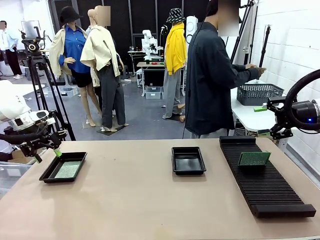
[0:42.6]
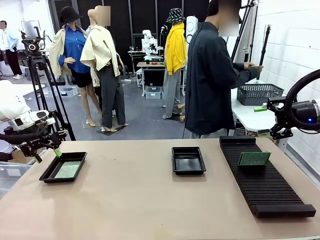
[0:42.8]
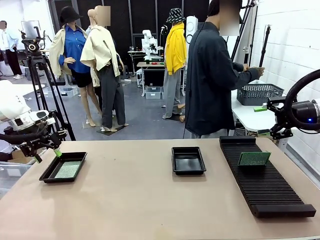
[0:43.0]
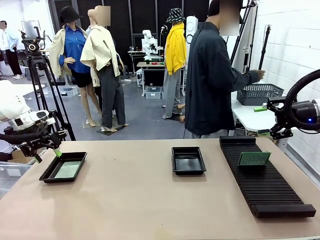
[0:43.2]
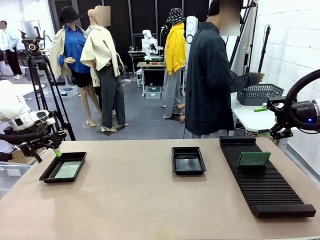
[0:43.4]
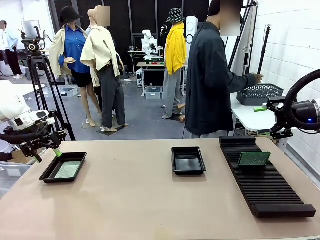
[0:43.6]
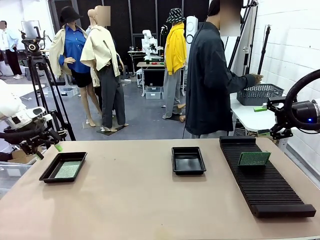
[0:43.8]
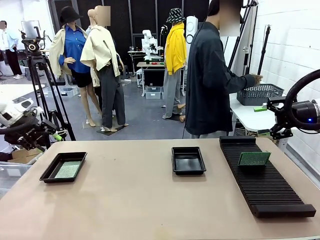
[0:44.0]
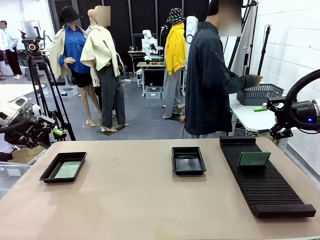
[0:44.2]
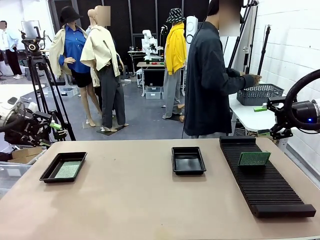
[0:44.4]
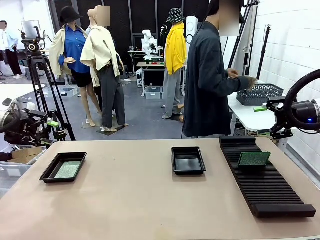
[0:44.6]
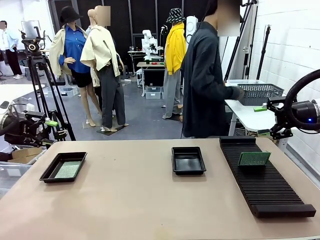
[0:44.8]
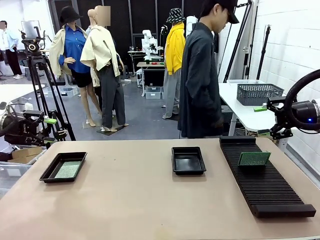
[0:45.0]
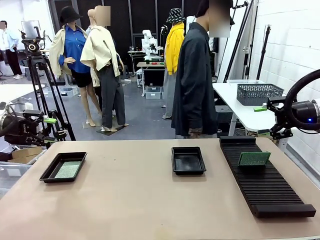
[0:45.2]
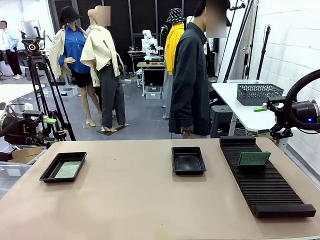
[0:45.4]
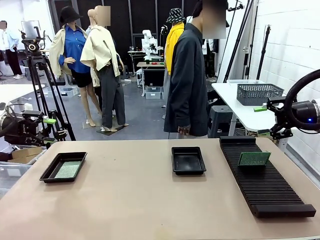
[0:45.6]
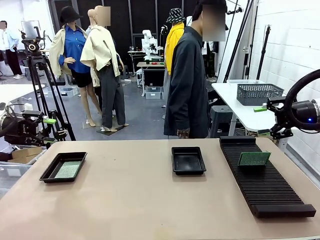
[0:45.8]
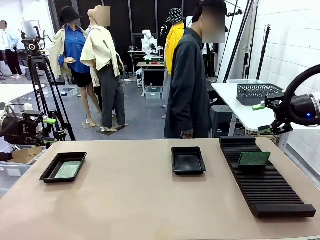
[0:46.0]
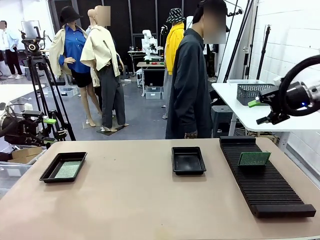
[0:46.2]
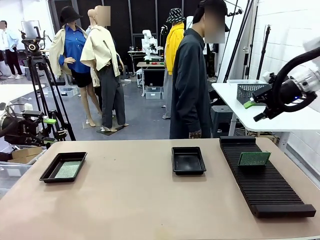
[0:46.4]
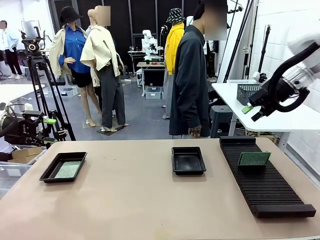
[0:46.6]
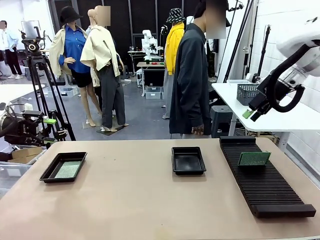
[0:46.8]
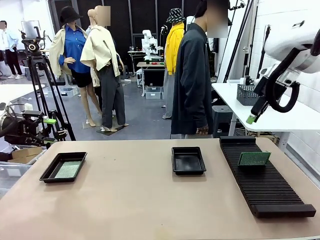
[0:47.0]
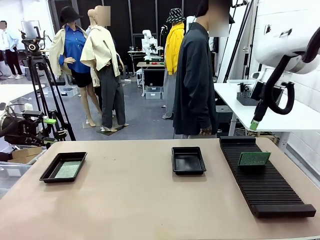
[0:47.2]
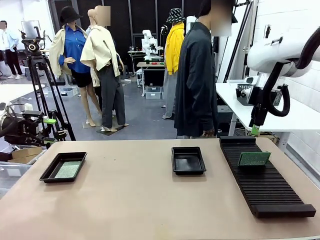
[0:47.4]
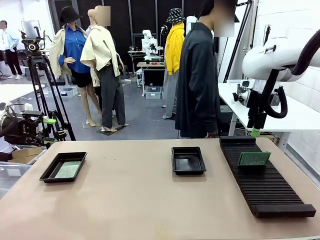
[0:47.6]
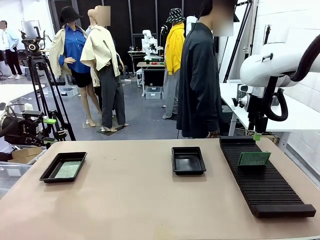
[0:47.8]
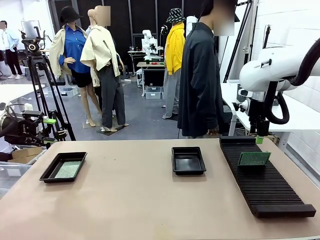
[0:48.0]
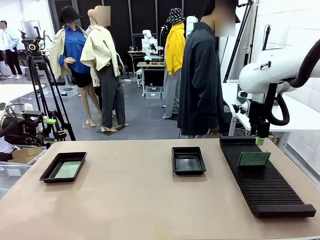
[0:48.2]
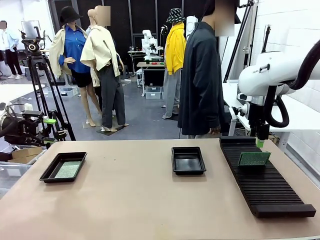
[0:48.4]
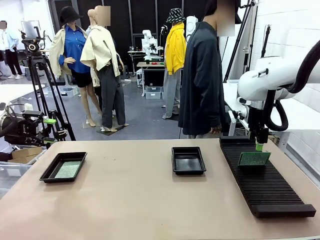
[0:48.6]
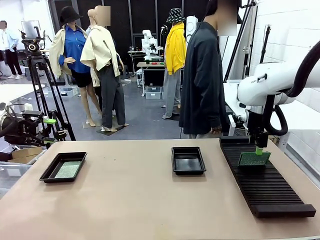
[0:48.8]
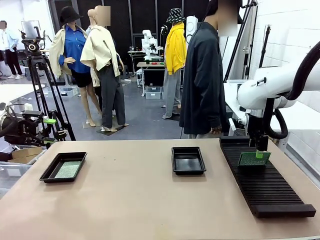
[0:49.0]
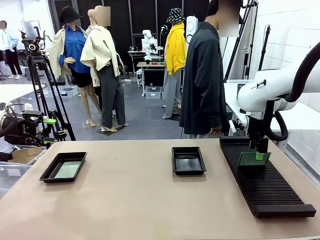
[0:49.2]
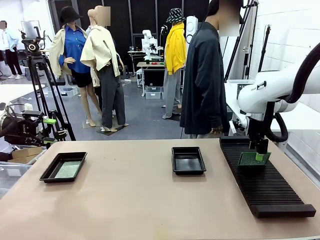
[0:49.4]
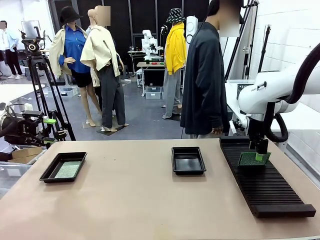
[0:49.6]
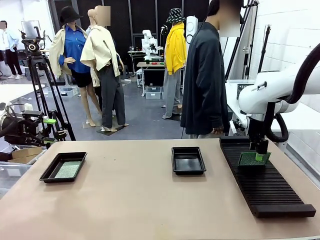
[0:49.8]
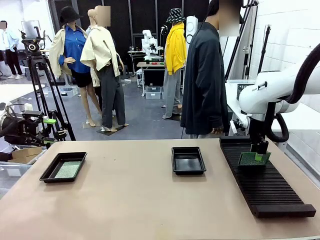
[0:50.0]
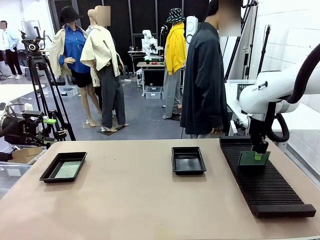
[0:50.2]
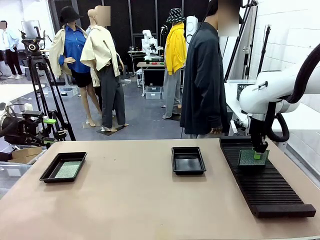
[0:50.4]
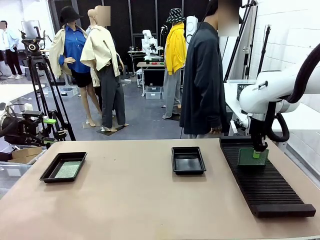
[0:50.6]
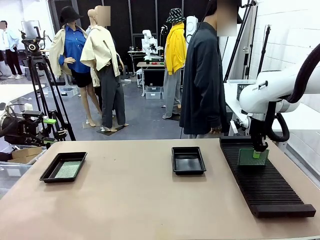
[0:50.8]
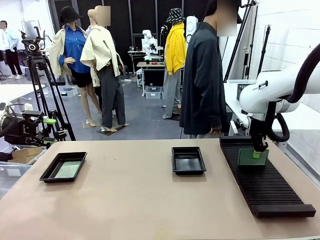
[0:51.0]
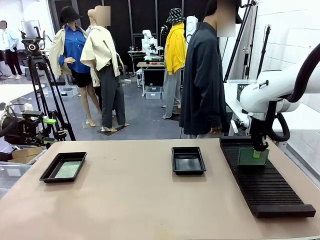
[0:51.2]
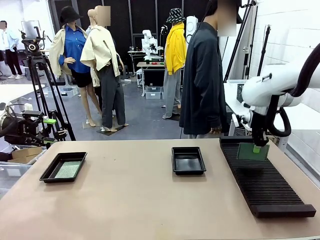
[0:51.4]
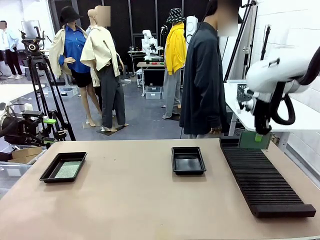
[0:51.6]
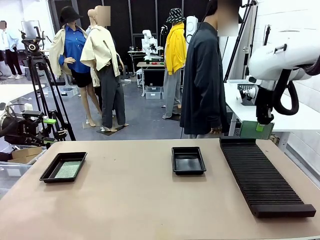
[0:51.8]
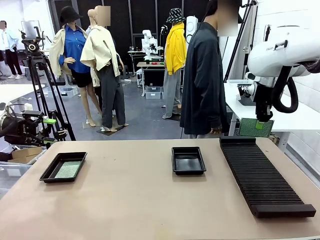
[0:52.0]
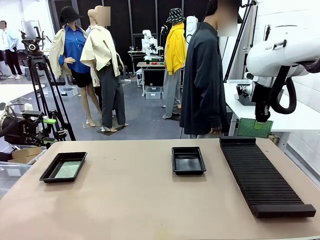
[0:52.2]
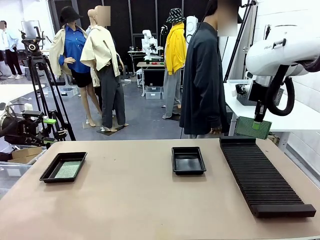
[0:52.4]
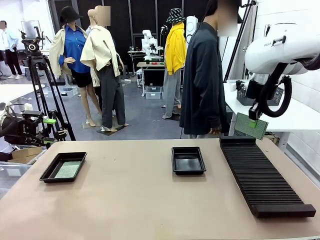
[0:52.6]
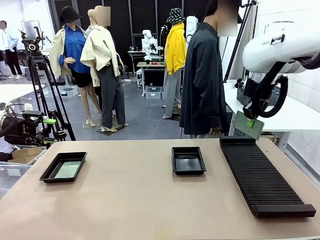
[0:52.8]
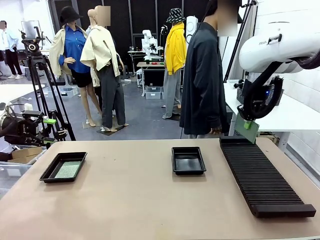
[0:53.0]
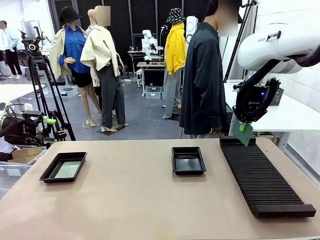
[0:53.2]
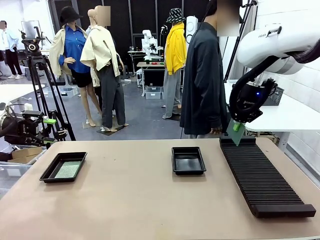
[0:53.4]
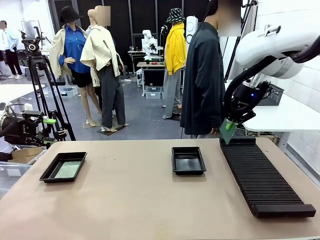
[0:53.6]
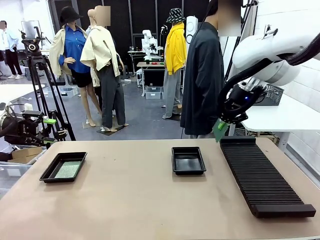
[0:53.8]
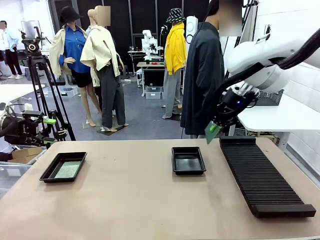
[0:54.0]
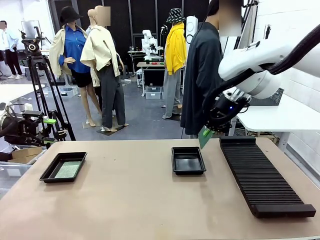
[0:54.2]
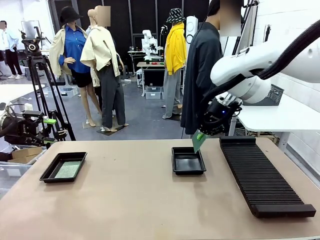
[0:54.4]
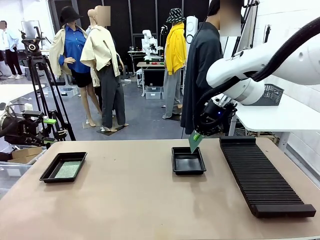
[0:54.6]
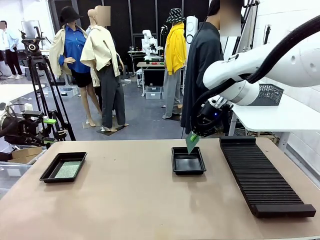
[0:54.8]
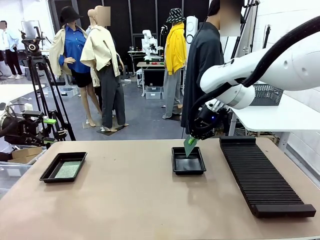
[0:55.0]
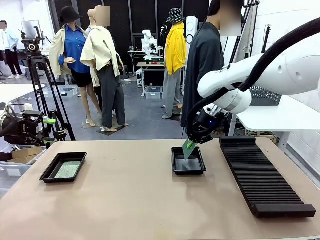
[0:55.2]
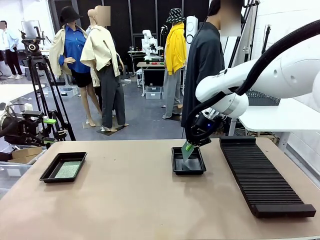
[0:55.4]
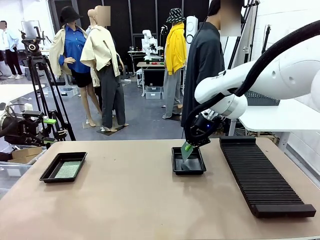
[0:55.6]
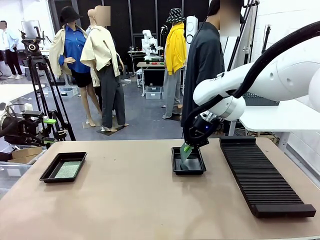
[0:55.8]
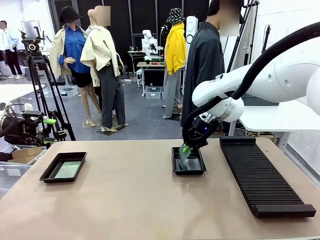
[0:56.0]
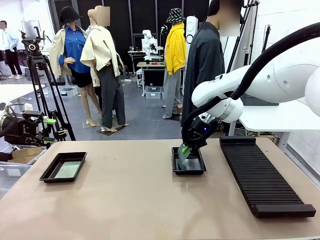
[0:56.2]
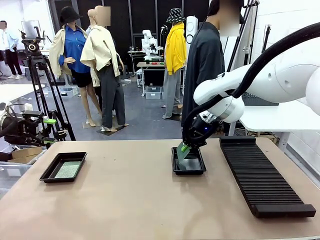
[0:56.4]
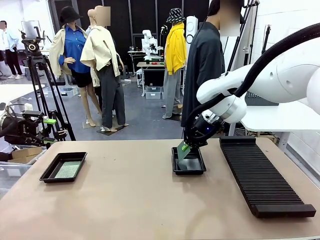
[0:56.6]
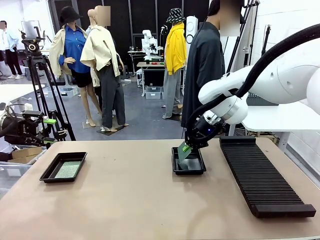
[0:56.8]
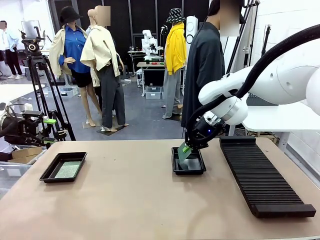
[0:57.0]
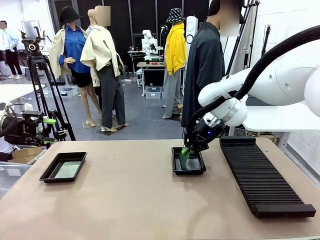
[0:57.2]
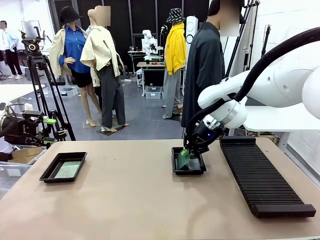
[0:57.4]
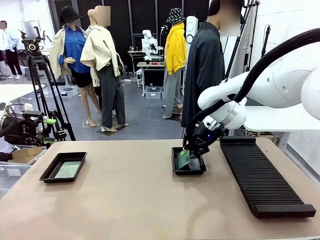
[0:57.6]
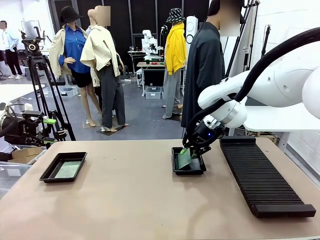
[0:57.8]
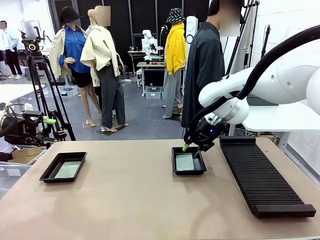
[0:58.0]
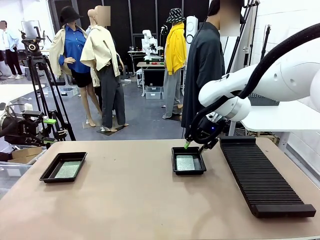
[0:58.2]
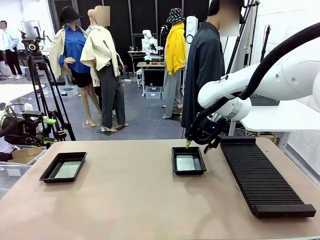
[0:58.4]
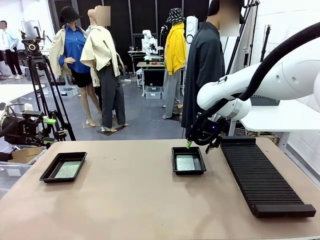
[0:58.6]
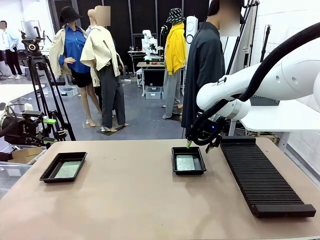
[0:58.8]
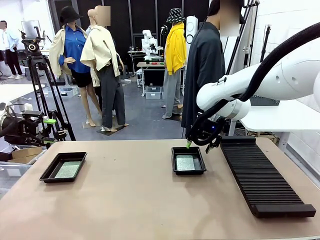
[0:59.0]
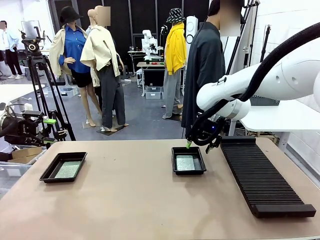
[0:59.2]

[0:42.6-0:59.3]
Task: Inspect and transfer BCBs to ESD trays.
Robot: Pick up the Blank PCB from the PCB Rack and place it in the right ESD tray.

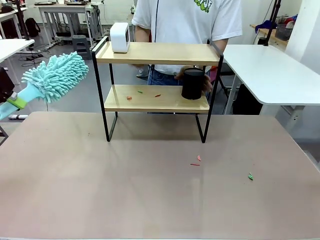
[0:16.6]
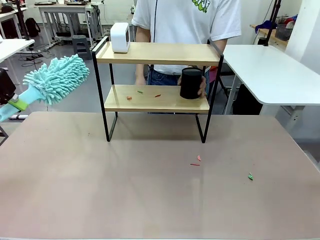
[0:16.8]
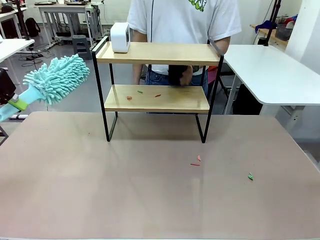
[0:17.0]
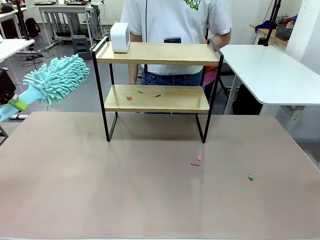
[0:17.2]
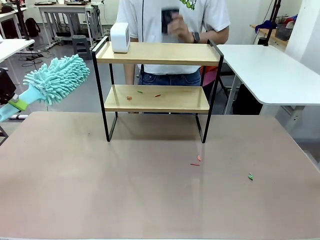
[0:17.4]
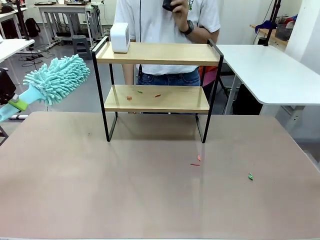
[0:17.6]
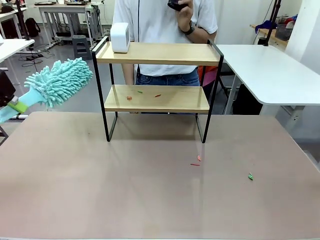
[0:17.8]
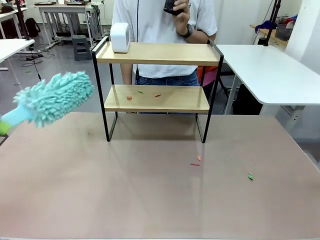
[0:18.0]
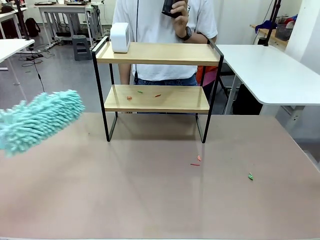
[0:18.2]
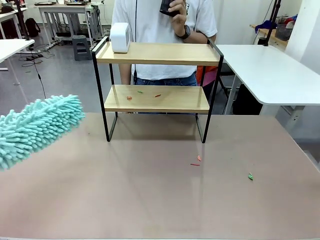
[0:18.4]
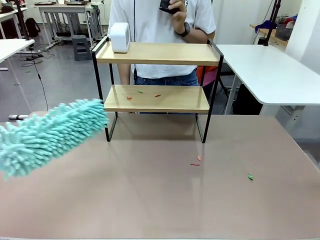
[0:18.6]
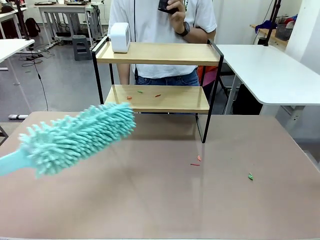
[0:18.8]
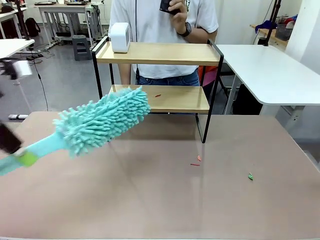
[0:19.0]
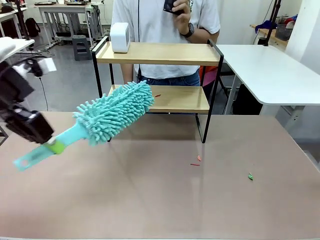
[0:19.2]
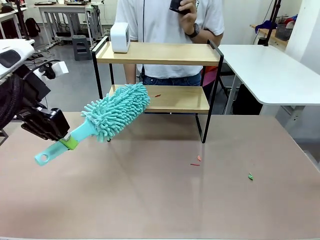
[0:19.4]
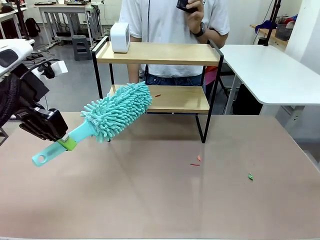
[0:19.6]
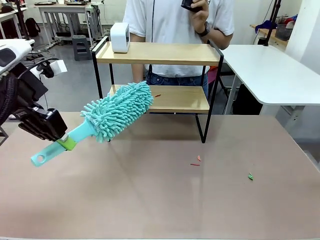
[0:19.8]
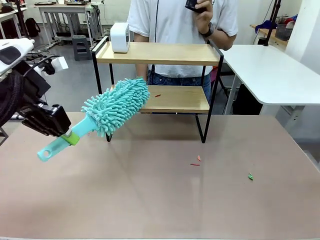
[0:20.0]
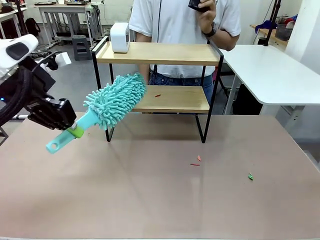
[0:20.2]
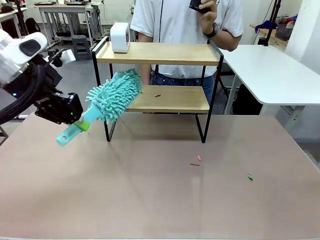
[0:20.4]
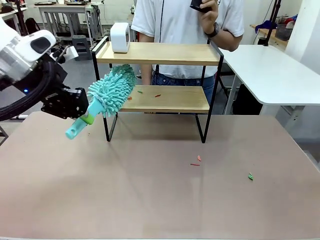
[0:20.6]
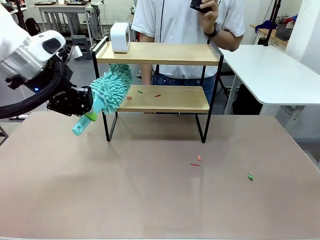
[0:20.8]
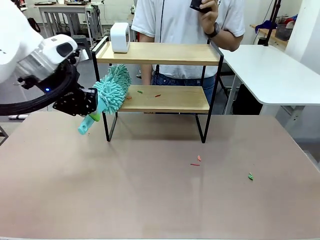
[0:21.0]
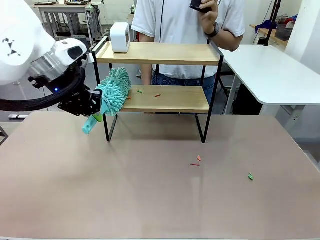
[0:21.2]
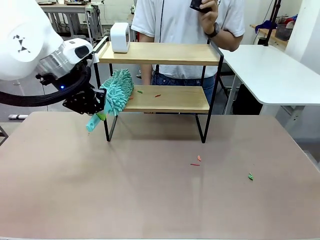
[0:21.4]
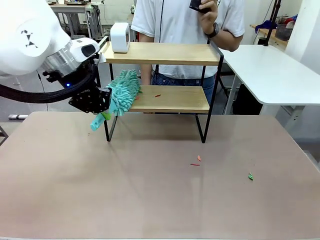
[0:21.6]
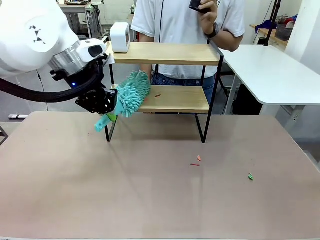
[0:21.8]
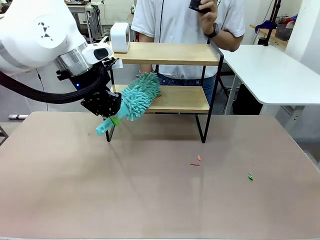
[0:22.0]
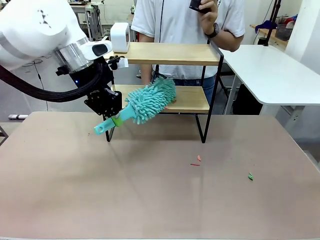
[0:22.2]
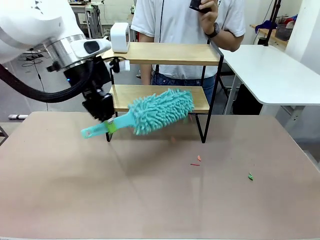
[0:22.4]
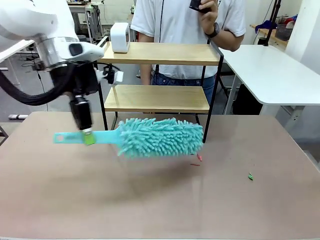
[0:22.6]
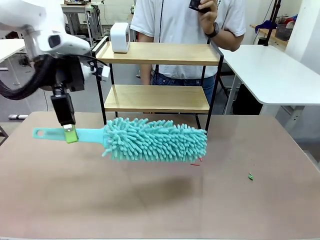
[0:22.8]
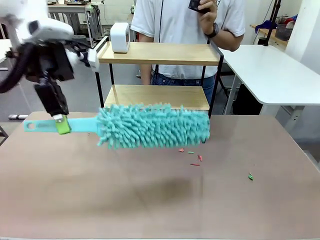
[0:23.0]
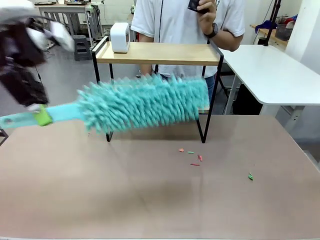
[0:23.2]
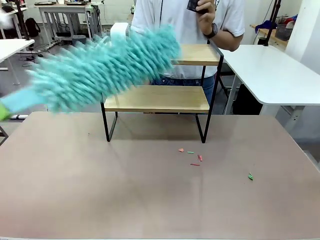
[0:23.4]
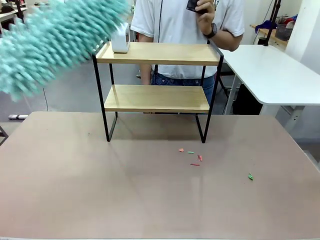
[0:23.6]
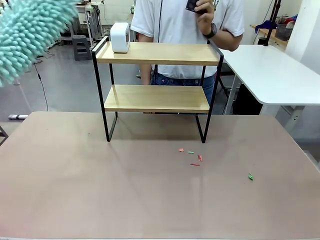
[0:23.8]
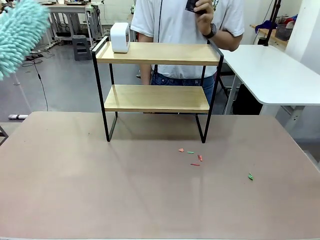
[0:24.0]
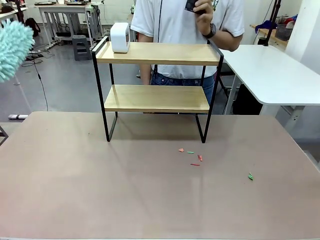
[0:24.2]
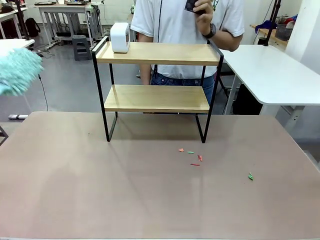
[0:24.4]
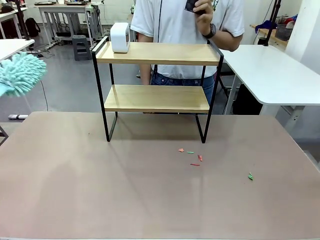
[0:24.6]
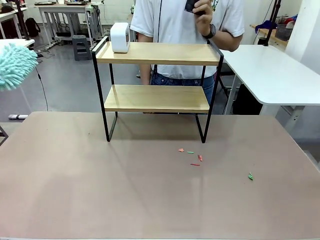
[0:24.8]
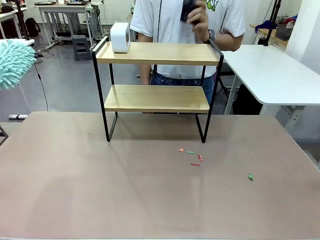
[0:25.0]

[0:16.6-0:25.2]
Task: Clean the shelf.
Robot: Clean the remaining tier of the Shelf with the Duster once objects are removed.
